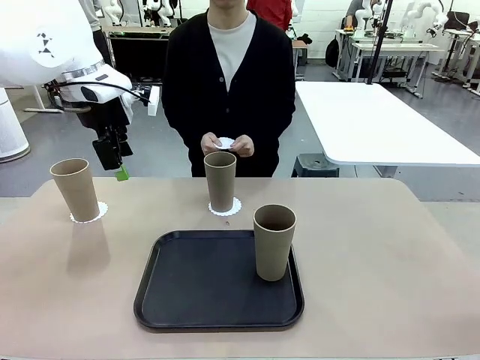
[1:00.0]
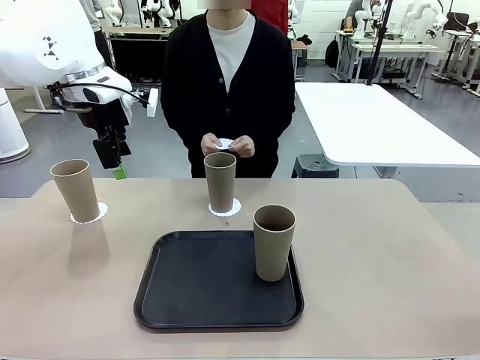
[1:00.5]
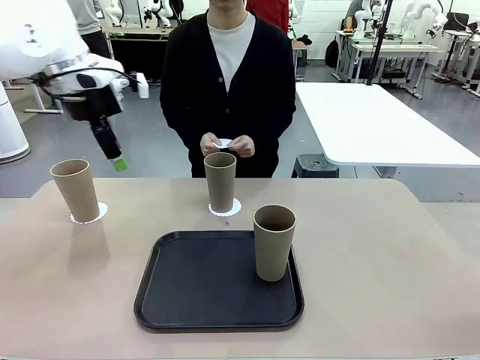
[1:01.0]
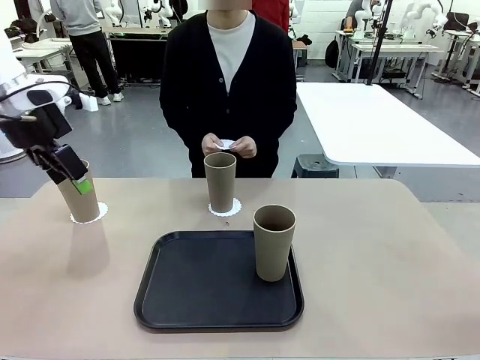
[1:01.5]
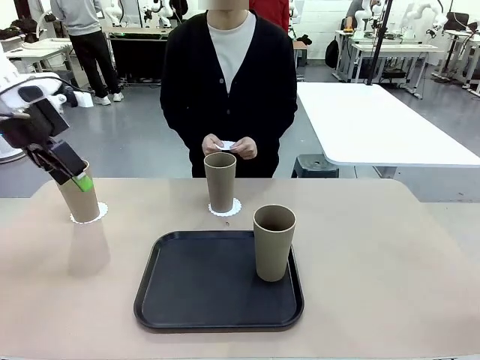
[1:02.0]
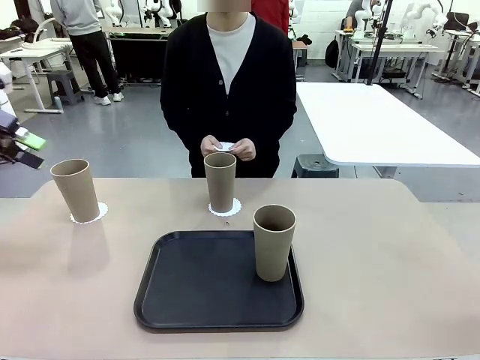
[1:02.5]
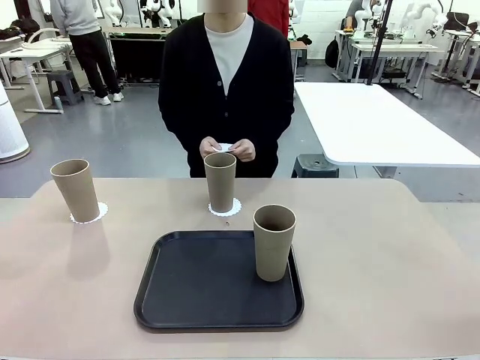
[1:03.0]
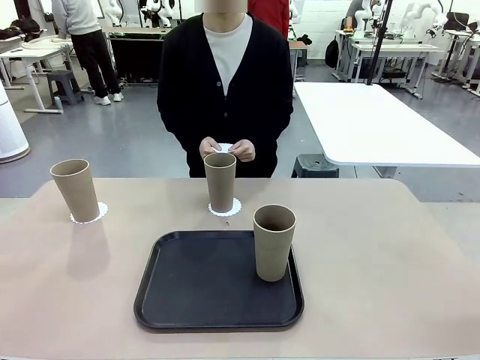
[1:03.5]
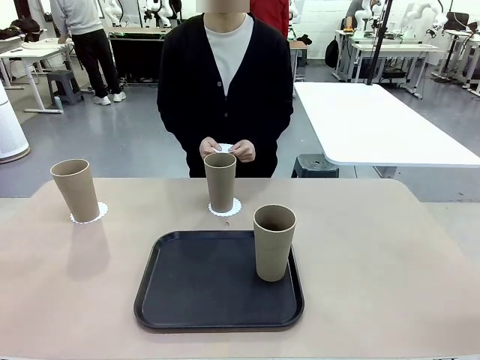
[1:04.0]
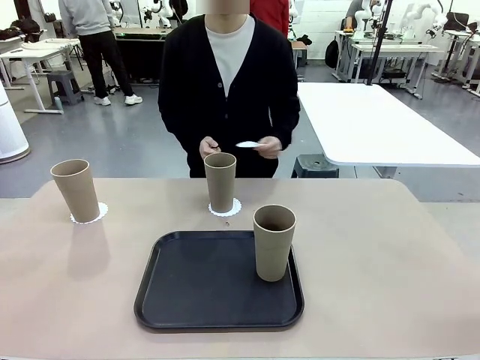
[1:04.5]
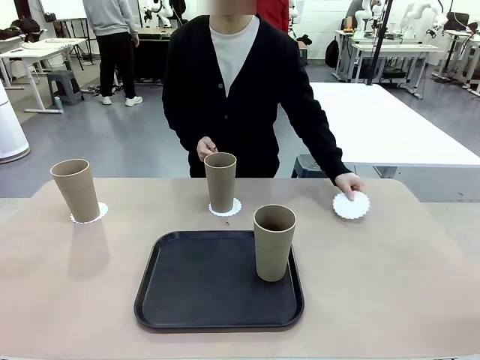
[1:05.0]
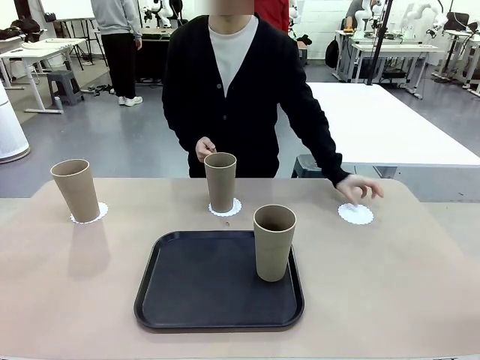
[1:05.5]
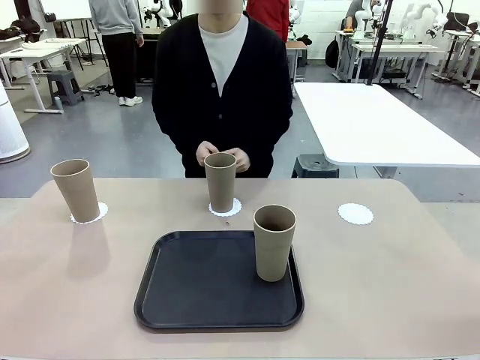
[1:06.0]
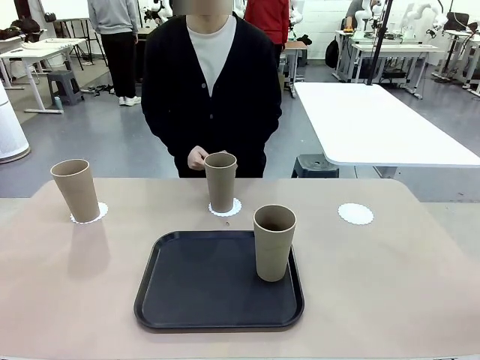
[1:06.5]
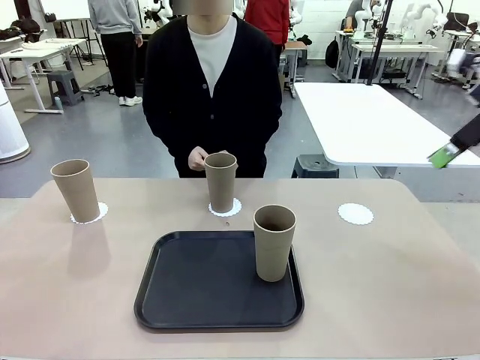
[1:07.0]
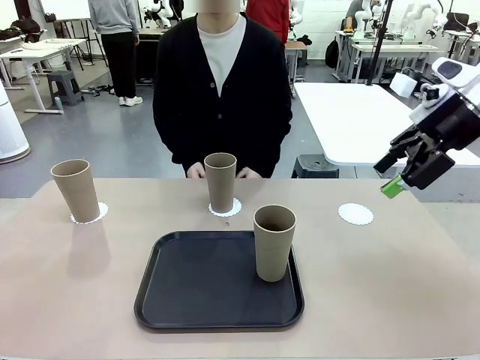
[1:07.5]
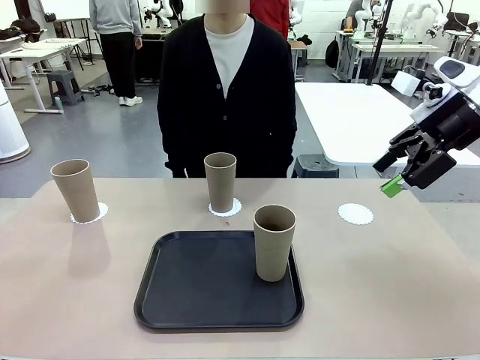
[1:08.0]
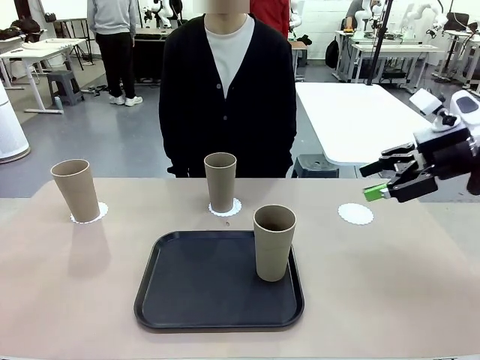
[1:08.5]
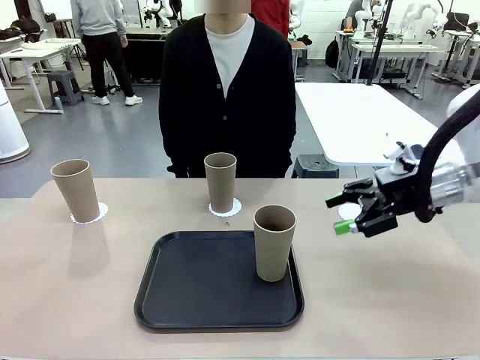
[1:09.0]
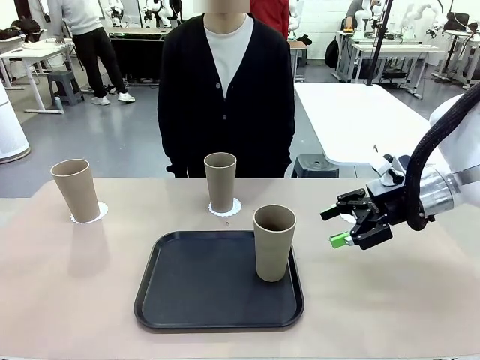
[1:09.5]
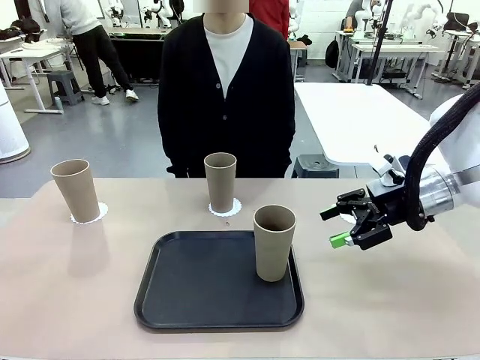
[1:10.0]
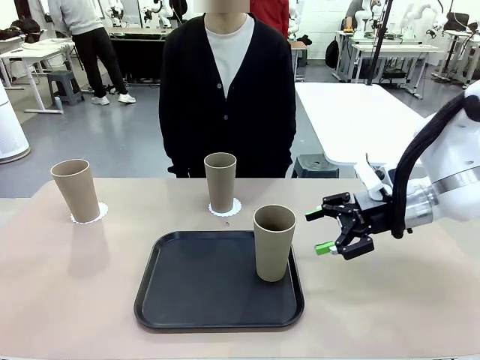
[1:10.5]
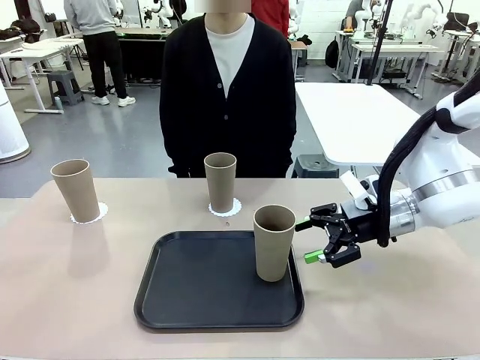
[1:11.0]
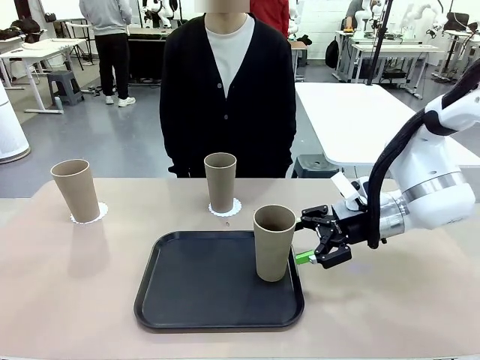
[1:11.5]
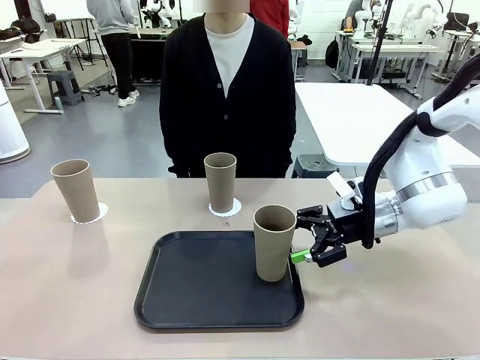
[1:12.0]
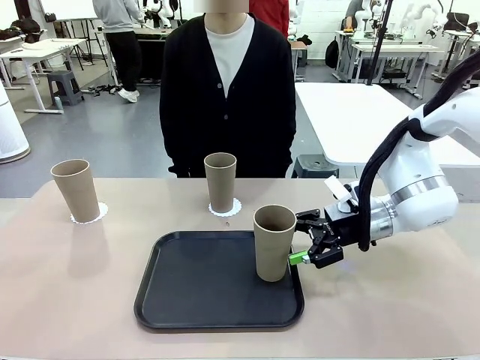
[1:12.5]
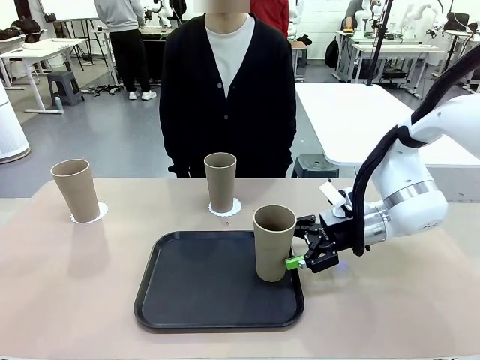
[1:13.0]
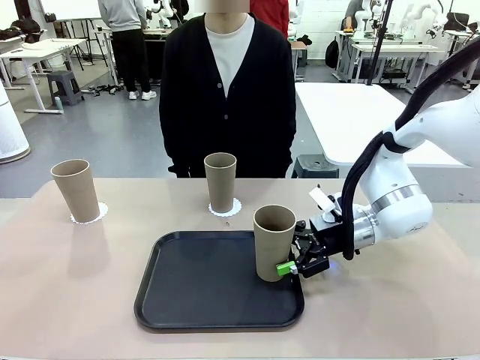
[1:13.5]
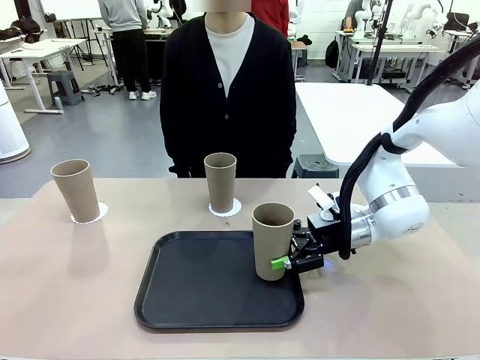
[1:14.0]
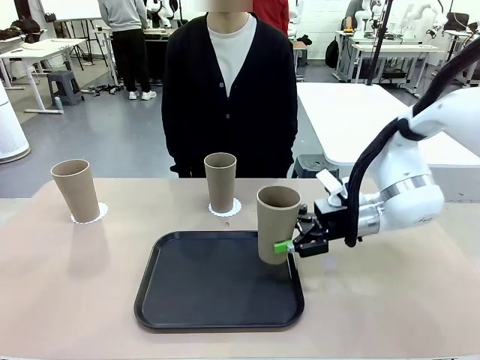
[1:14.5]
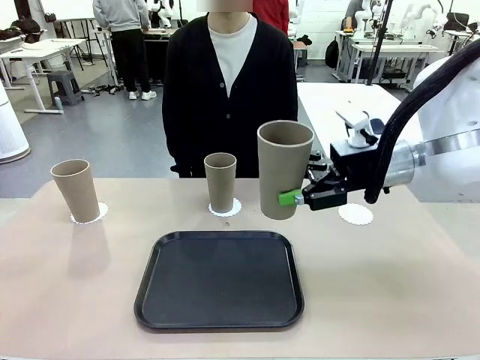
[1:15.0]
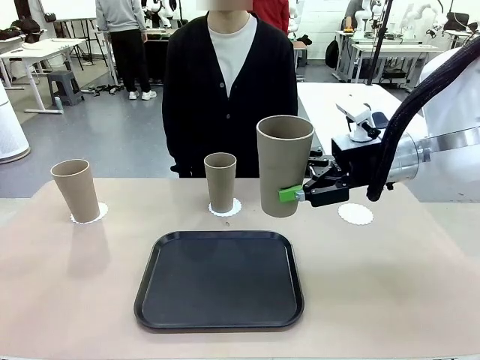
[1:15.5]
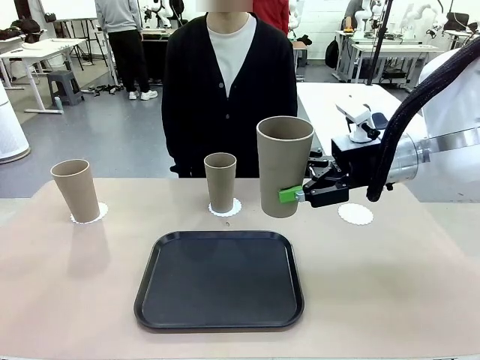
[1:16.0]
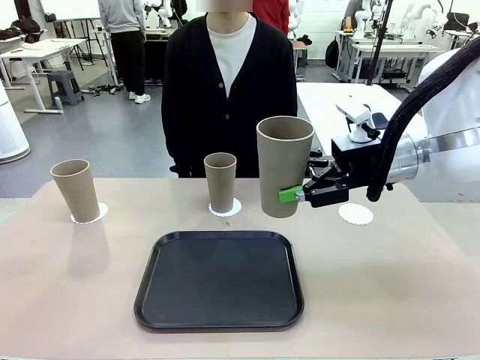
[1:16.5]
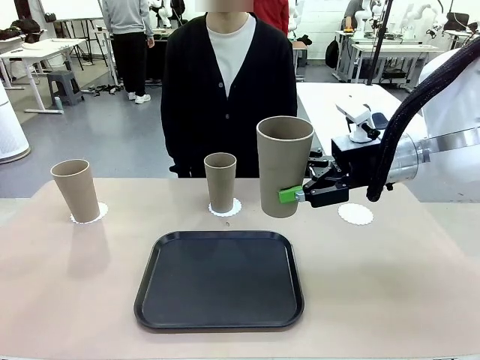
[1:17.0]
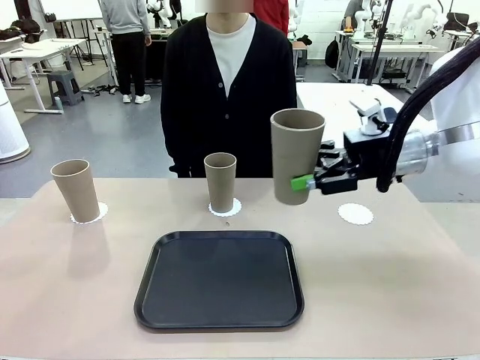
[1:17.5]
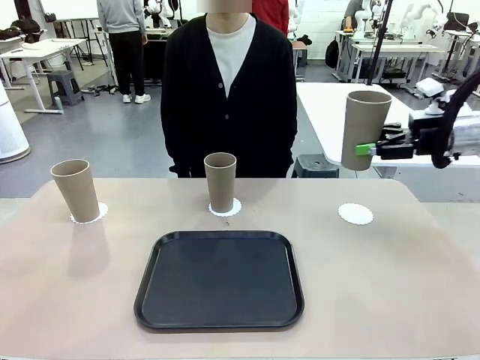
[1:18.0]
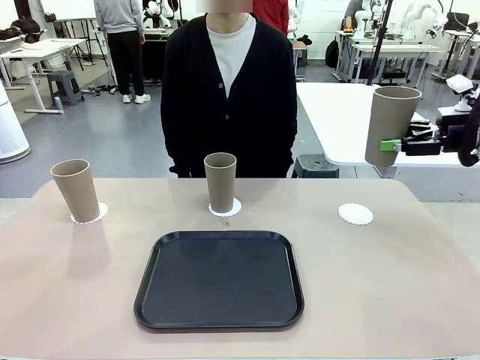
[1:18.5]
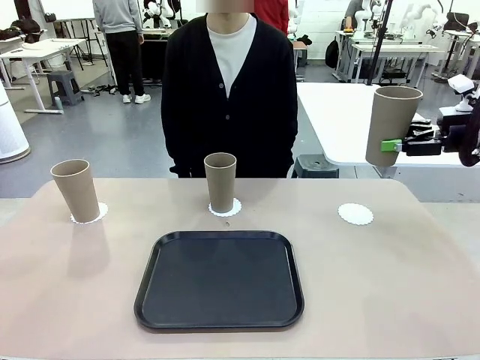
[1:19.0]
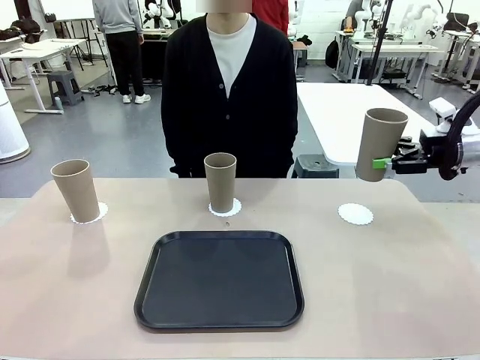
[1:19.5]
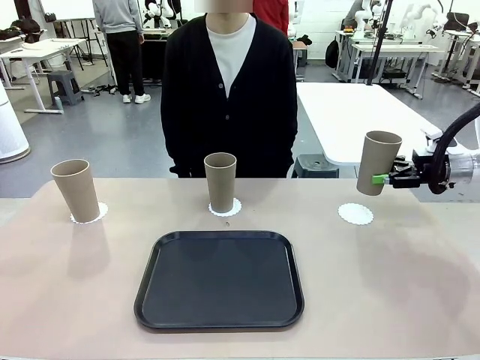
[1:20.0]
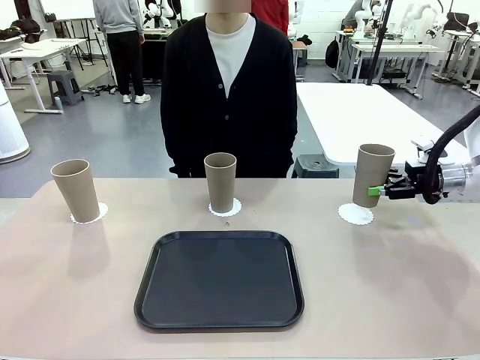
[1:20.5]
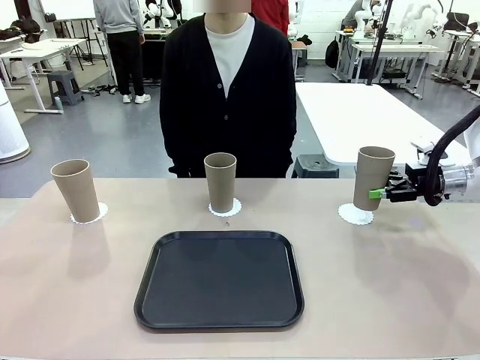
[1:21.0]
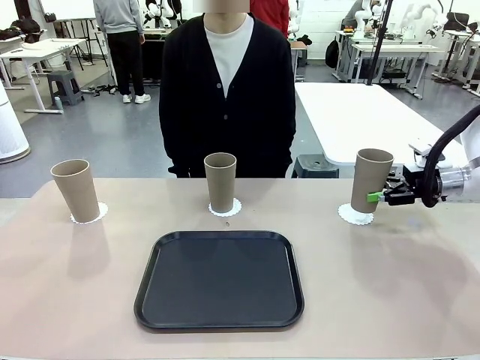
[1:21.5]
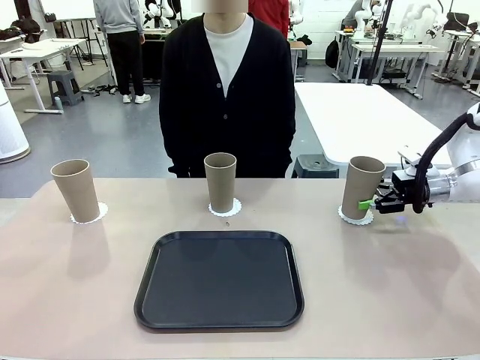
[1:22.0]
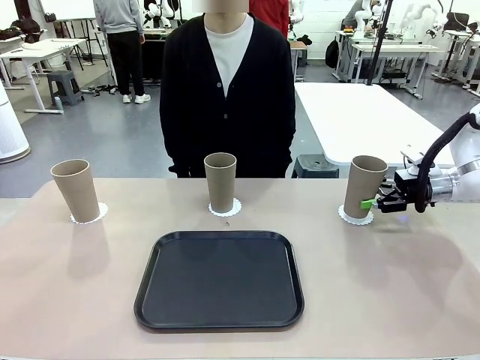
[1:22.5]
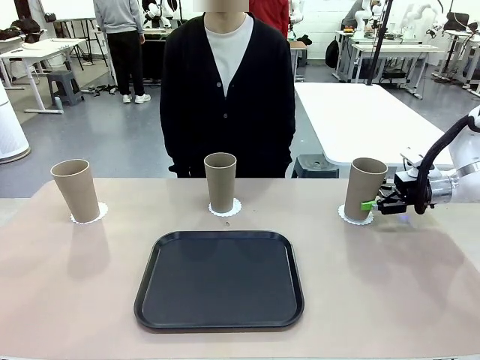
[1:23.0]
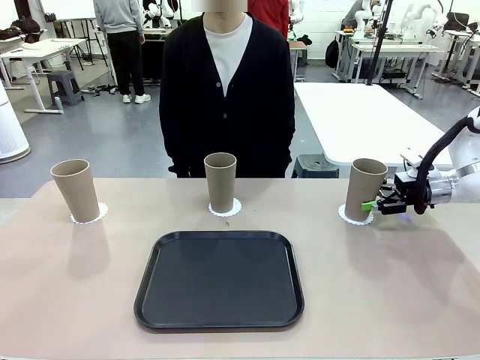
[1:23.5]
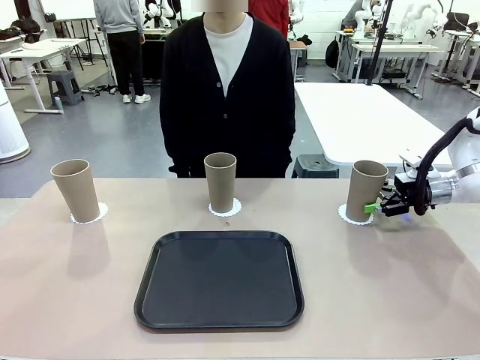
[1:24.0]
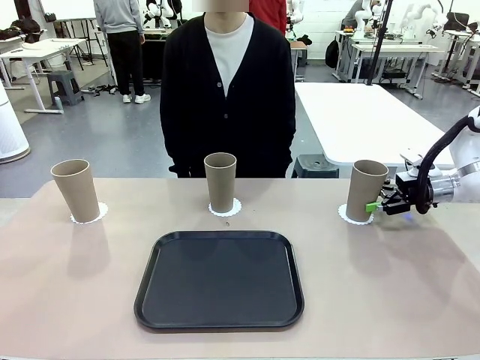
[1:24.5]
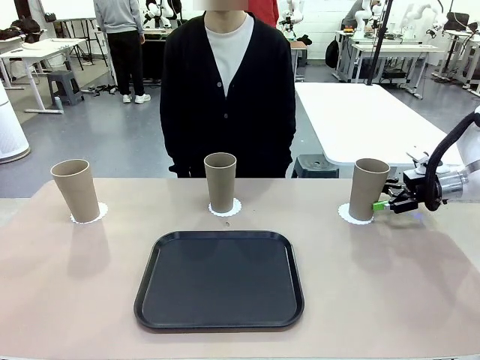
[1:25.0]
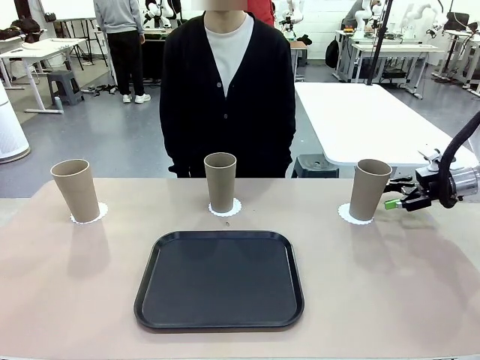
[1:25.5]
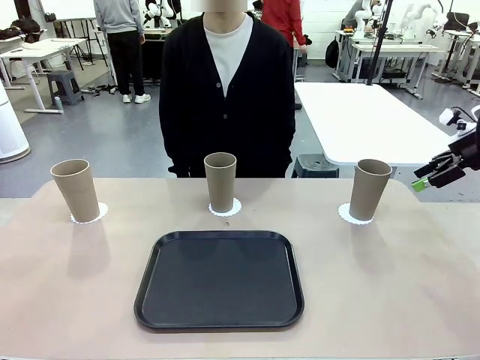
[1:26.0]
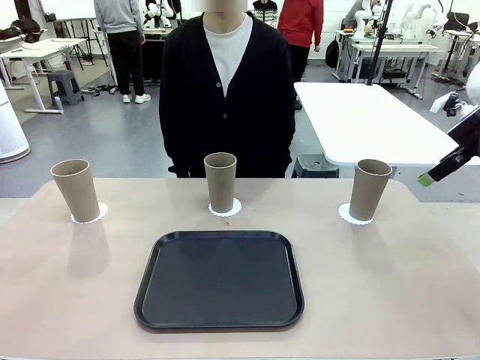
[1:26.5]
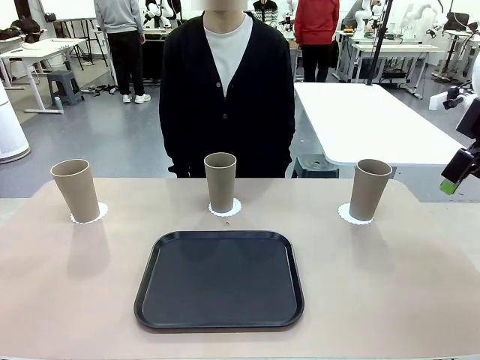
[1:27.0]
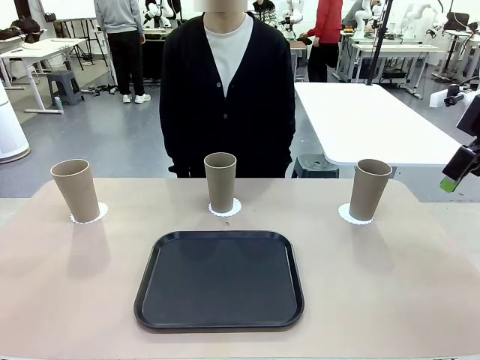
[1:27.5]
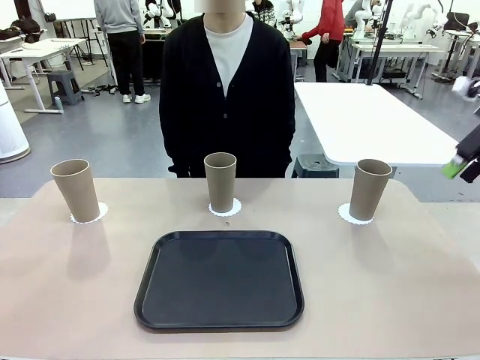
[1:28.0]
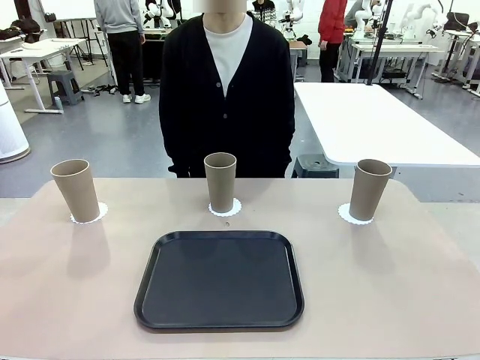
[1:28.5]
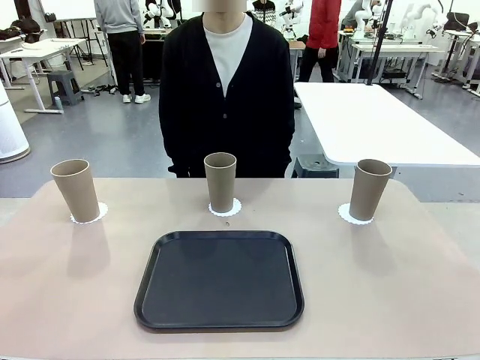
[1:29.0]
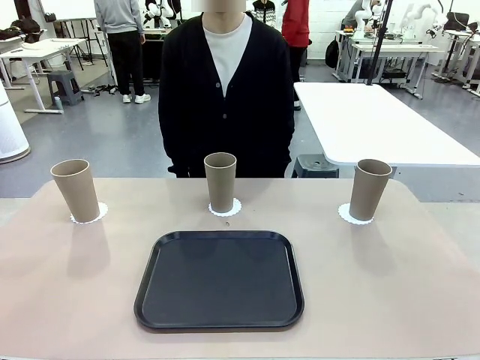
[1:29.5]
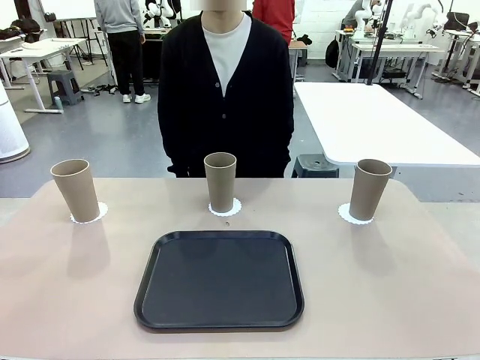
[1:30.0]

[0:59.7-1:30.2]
Task: Place coasters on the table and set cups on them.
Robot: Take one Reusable plastic cup from the Flat Tray and place it on a coaster set by the human.
Person: Place one coaster in the only remaining area.
